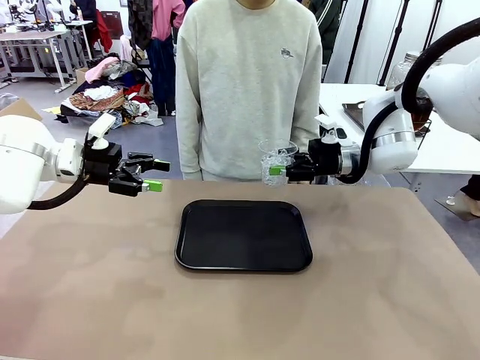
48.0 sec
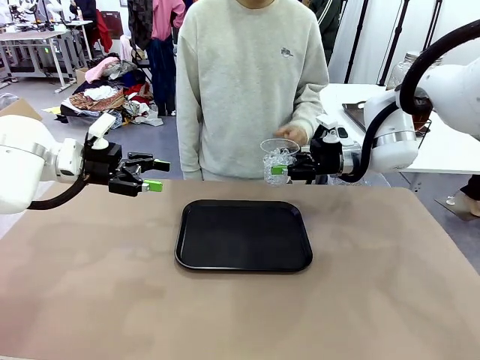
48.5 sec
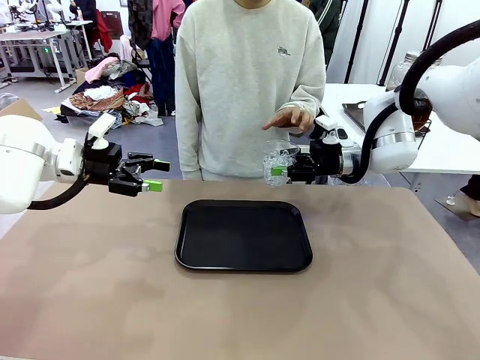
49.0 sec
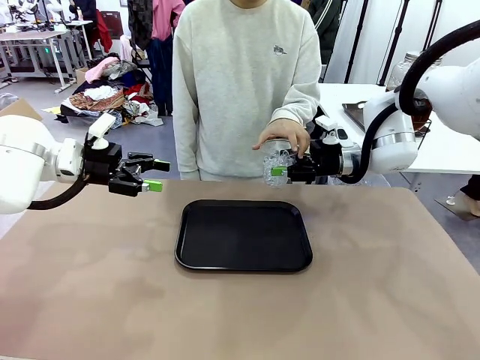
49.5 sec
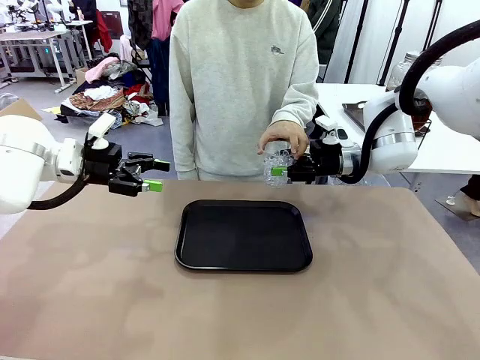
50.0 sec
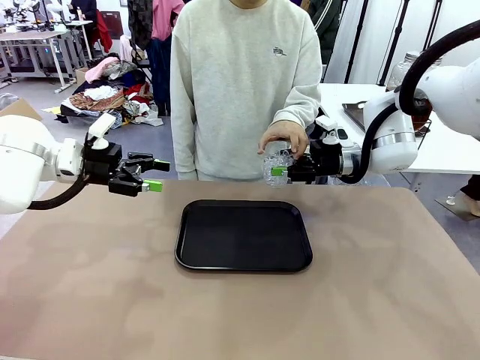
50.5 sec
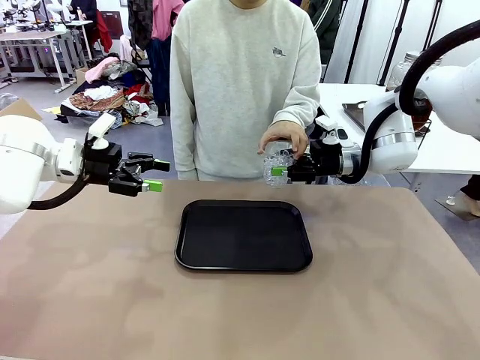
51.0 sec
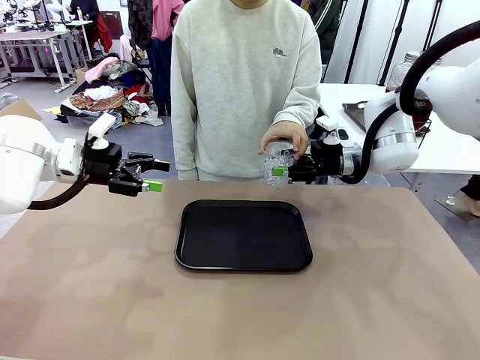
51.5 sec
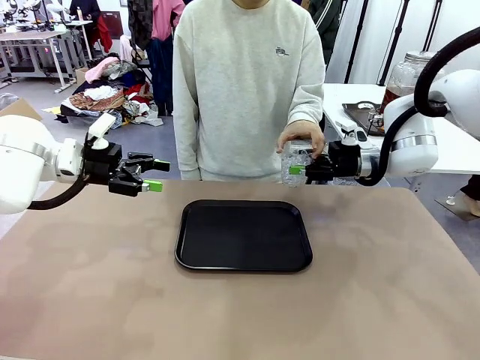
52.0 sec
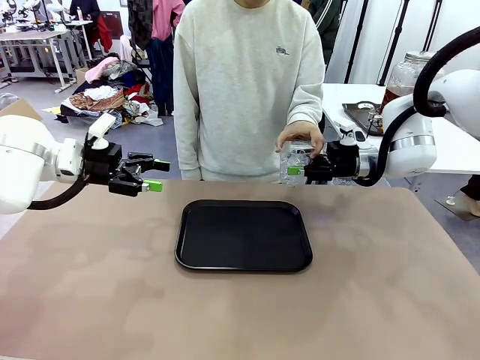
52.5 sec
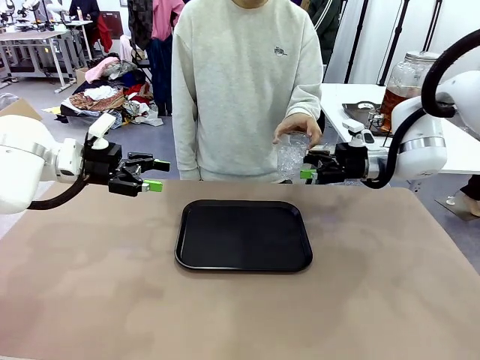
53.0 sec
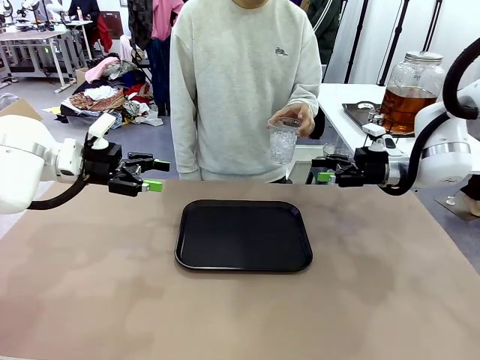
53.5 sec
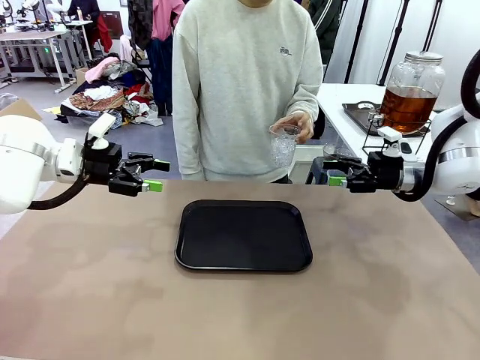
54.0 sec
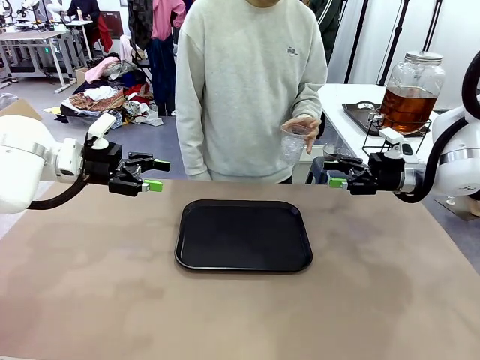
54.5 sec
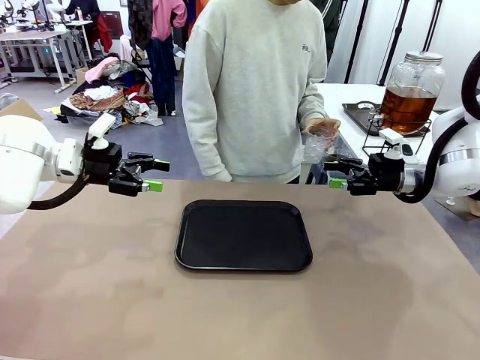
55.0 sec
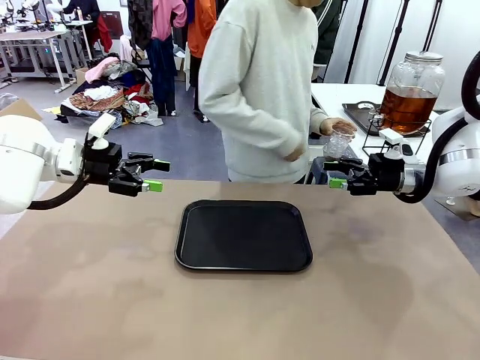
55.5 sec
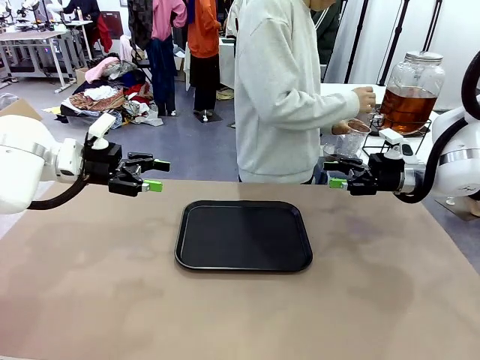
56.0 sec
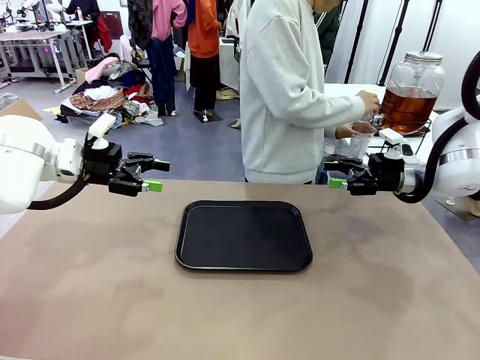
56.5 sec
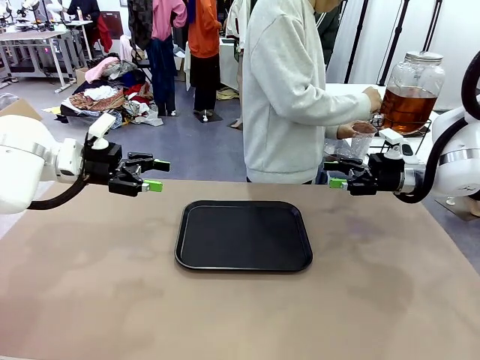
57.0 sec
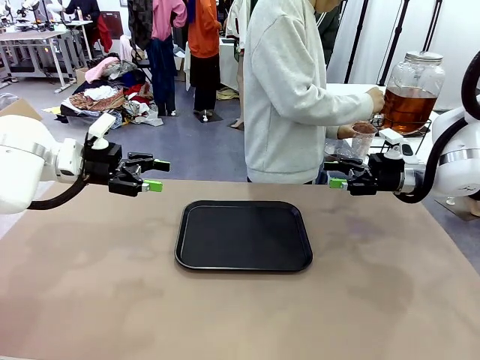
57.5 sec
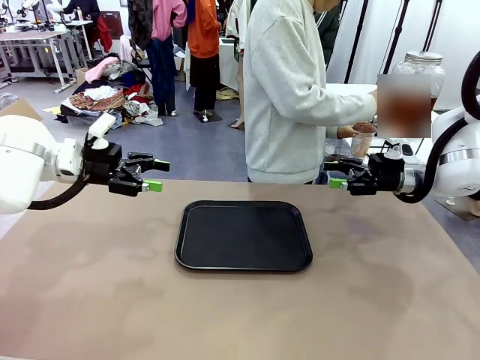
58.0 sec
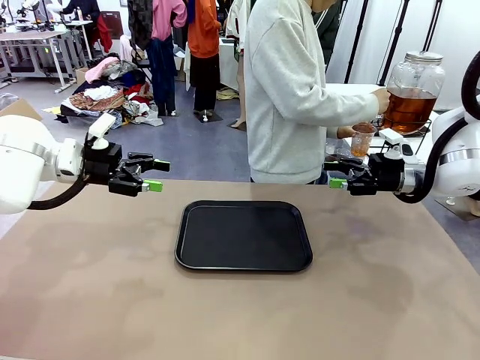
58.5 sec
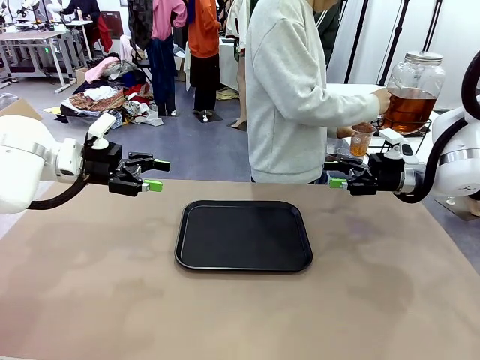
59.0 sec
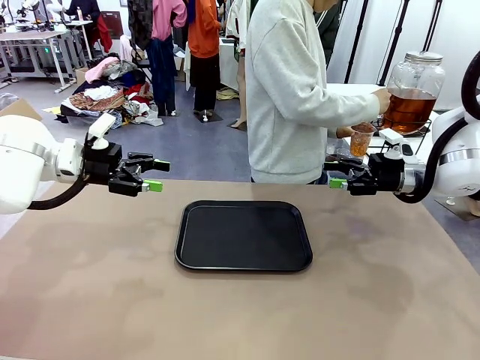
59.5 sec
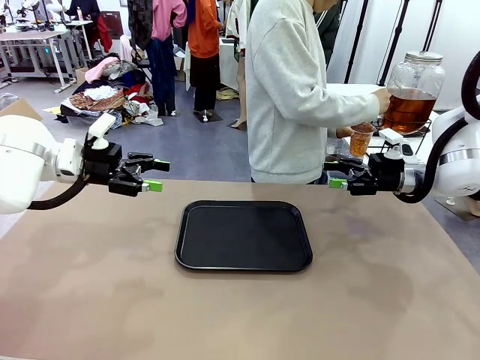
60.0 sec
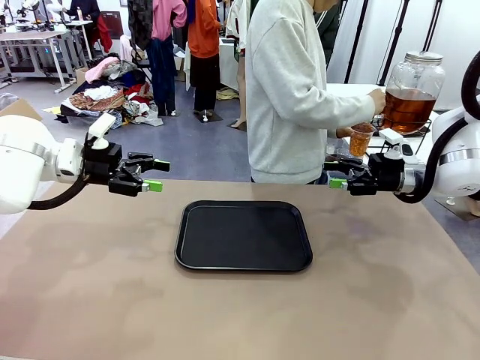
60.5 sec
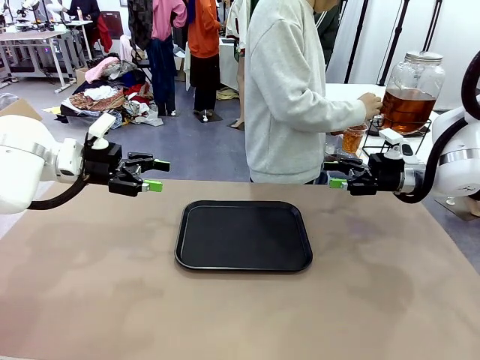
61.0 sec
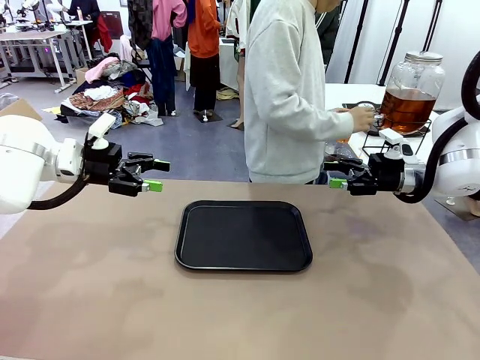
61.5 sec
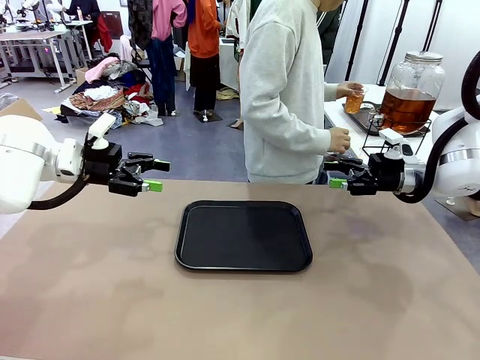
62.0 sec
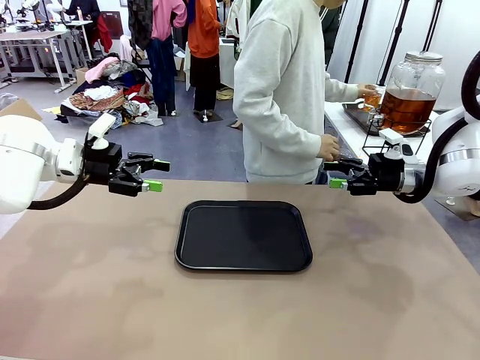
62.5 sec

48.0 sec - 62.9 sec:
Task: Pour the drink into the iced cup.
Robot: Open the gripper to release the iced cup you were holding.
Person: Move the picked-up cup under the dispenser faucet, pour the drink, and place it on the tray on the human table.

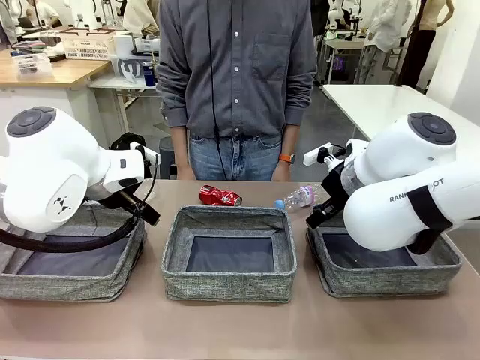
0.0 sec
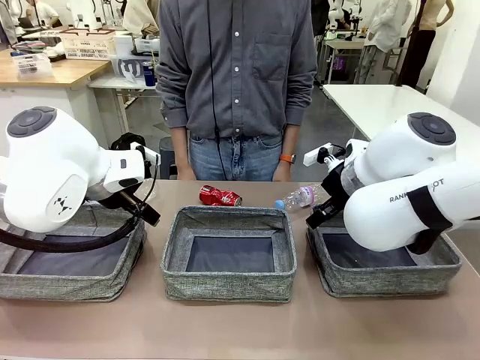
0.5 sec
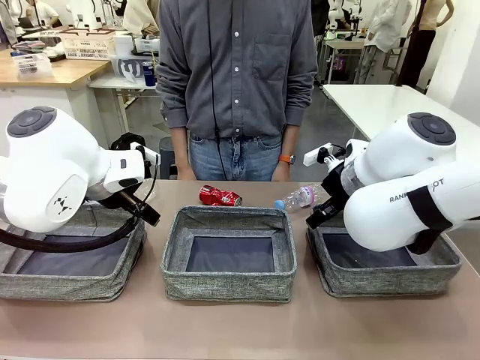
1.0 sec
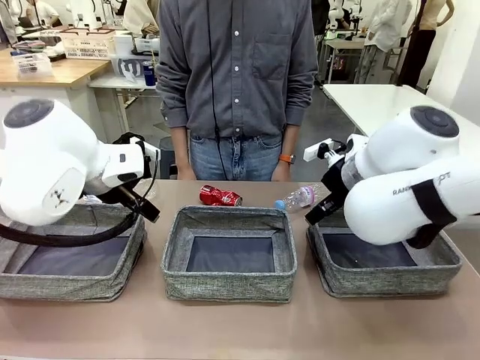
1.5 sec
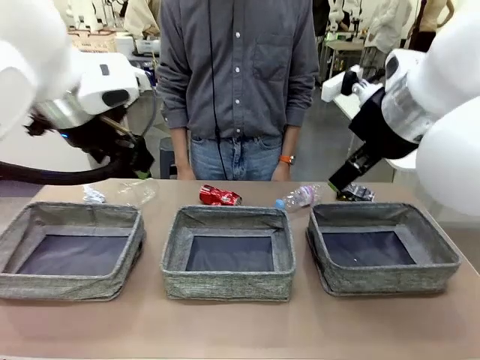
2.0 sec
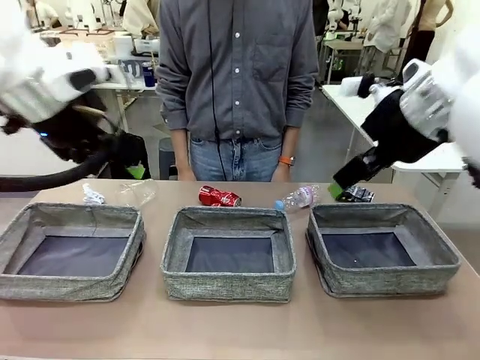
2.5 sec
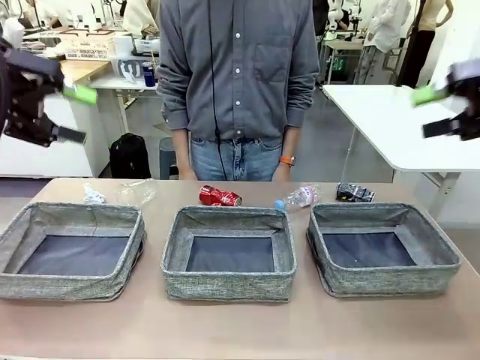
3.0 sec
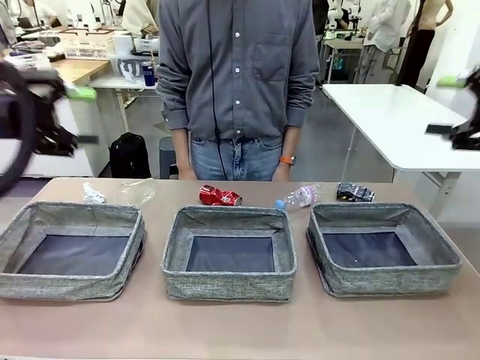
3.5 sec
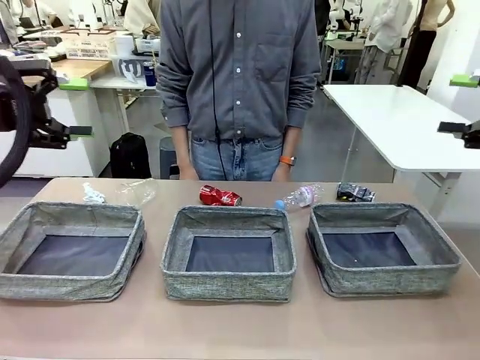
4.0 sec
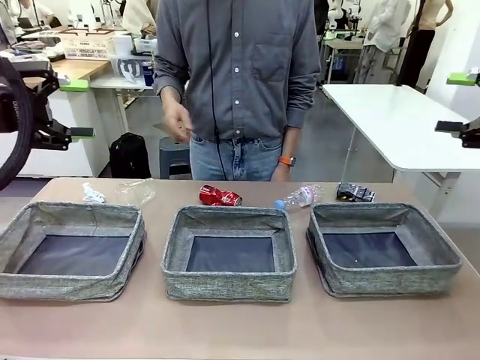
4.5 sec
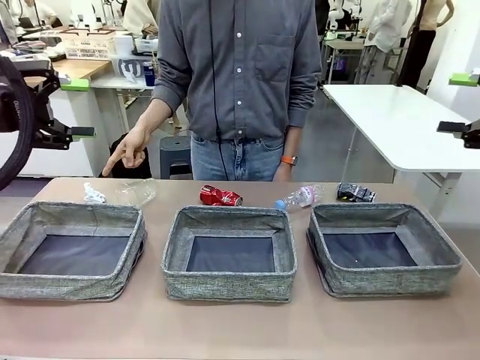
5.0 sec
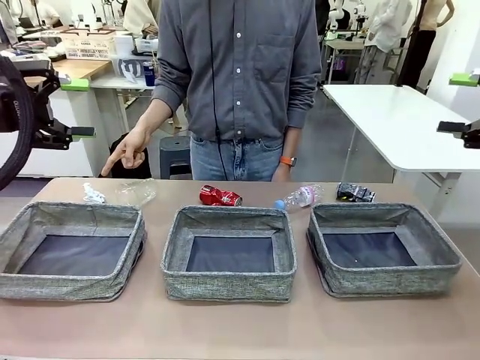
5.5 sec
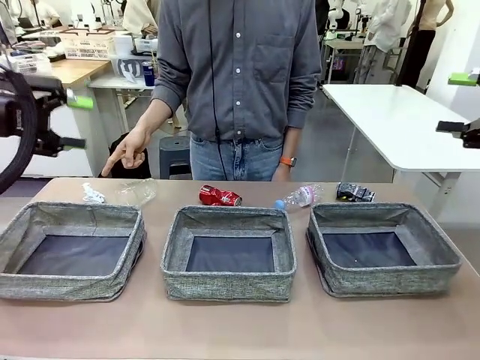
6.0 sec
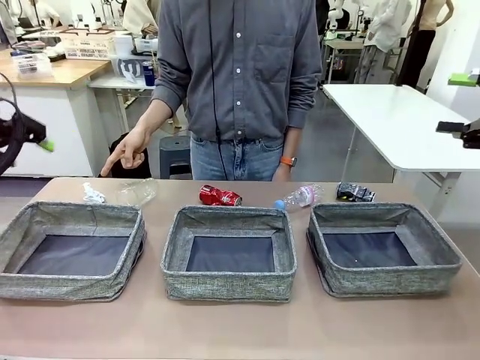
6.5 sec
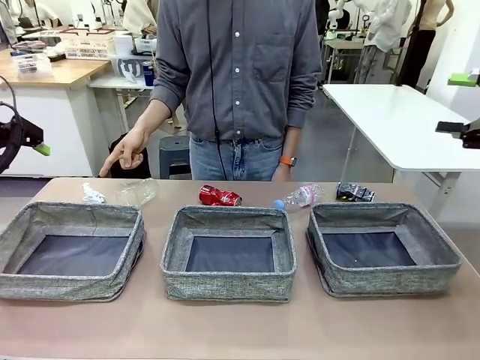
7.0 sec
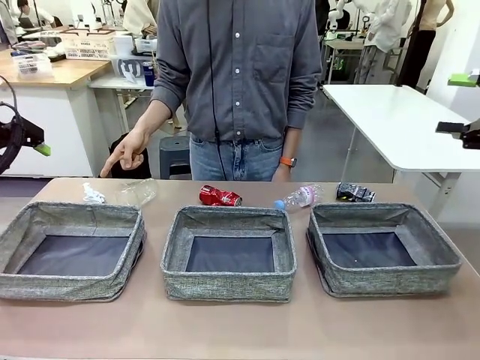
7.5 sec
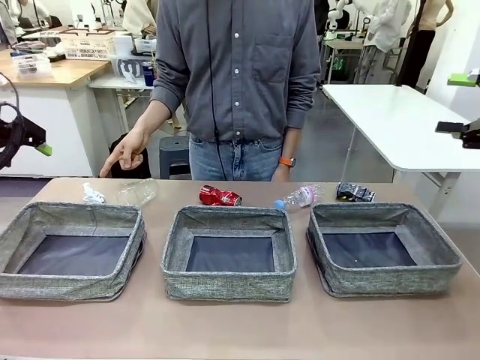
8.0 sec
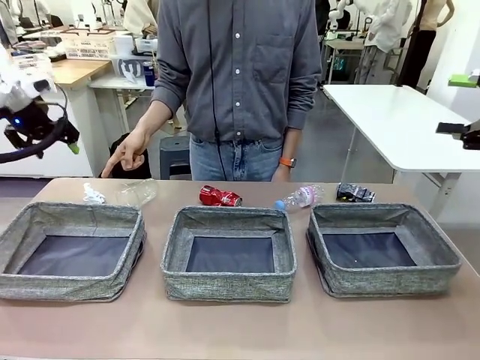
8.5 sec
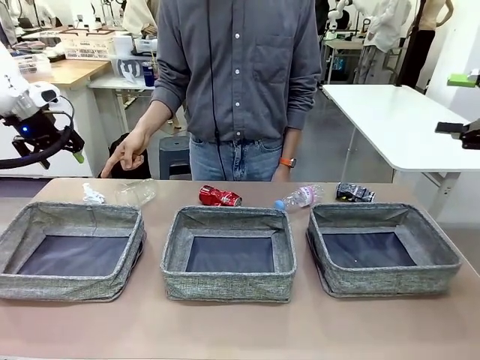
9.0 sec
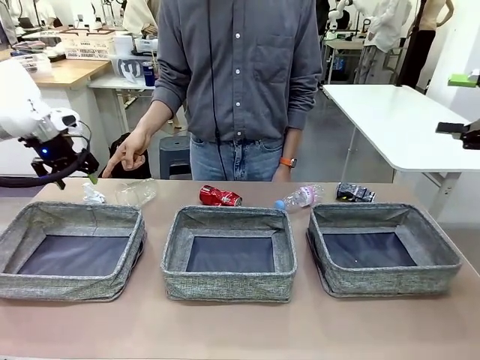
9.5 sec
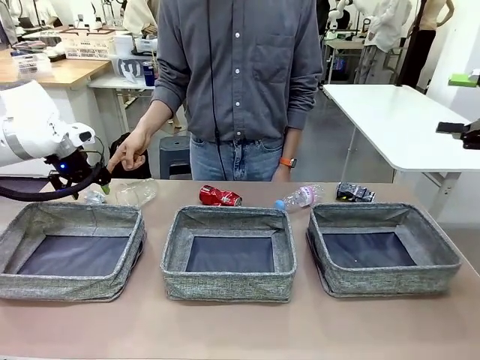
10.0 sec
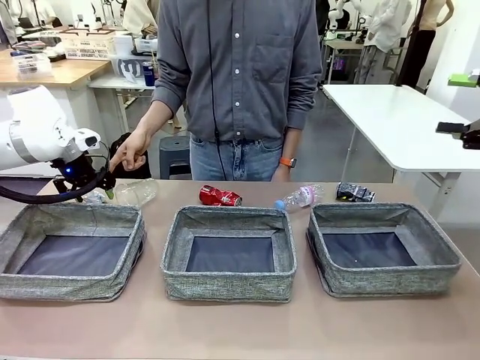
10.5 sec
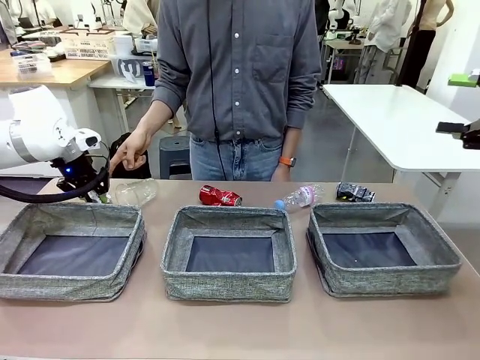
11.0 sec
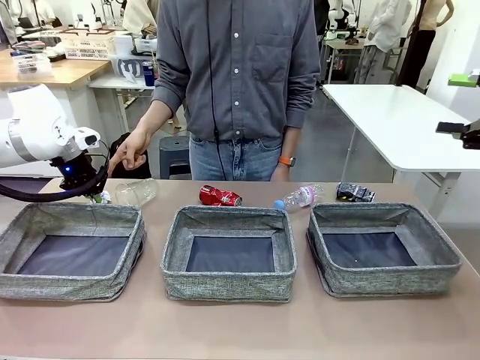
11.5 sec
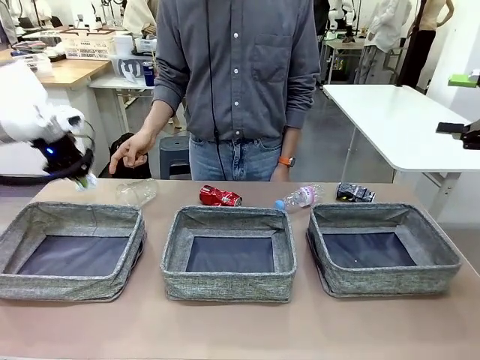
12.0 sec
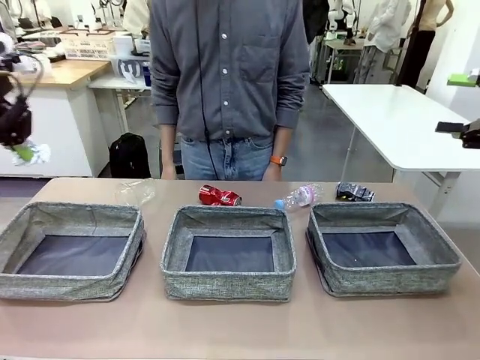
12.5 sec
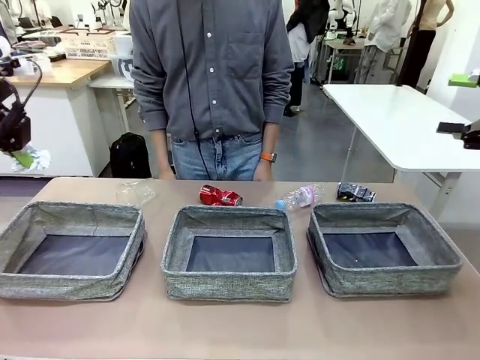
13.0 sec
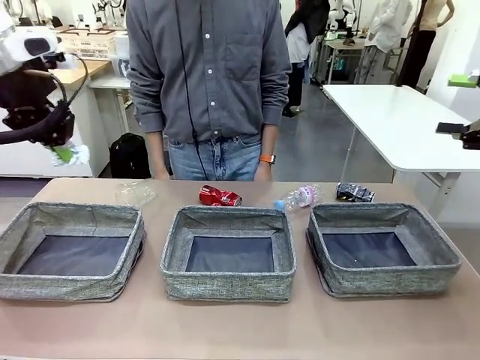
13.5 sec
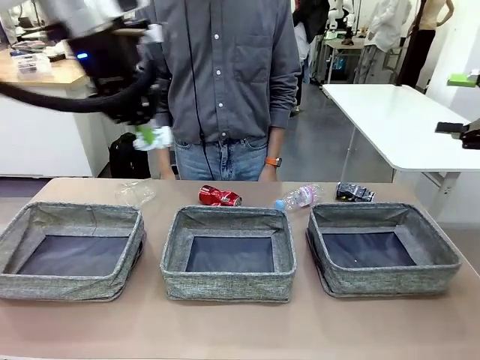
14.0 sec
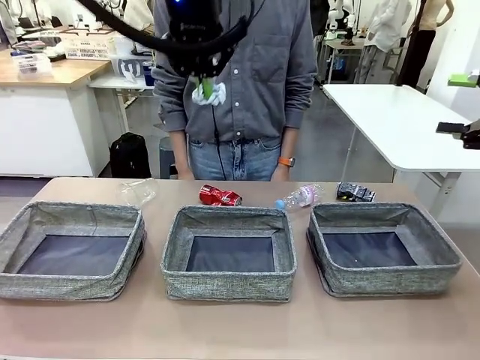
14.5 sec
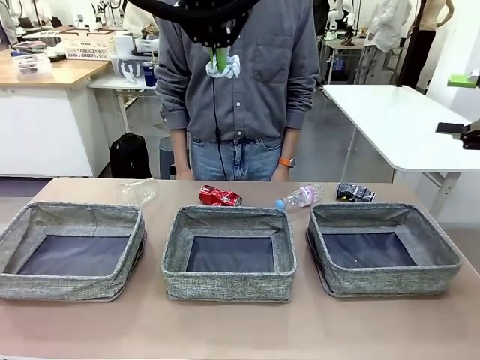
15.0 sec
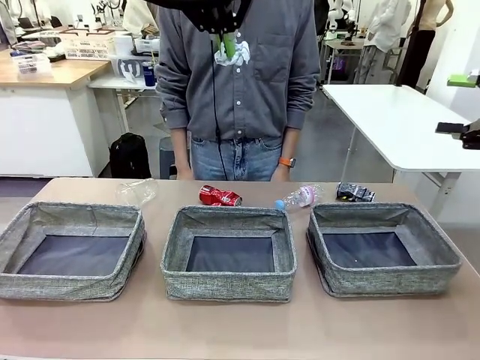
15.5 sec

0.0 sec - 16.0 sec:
Task: Sort the waste into the appropriate baskets.
Robot: Pick up the waste item pointed out by the person.
Person: Points to one piece of trash on the table.
